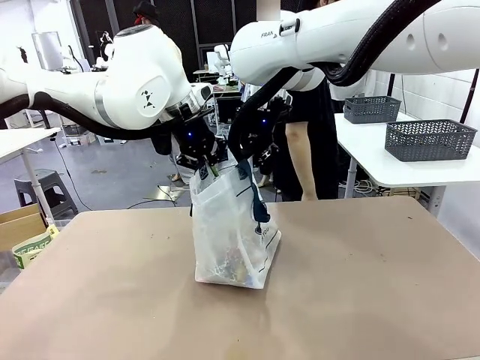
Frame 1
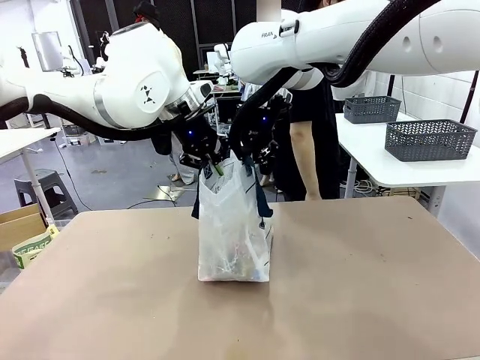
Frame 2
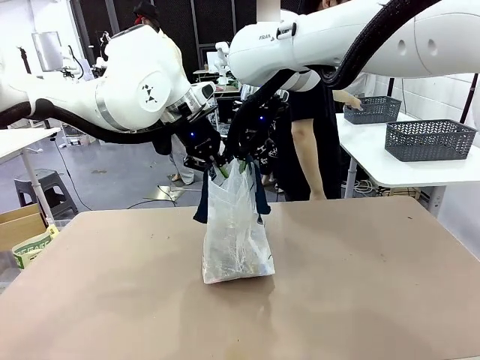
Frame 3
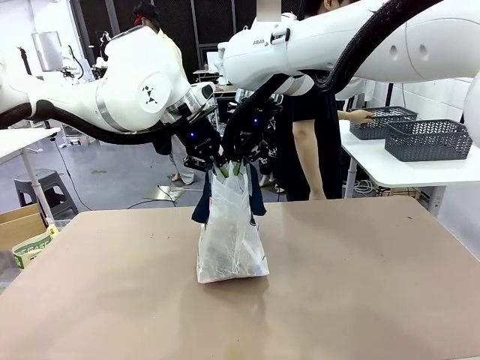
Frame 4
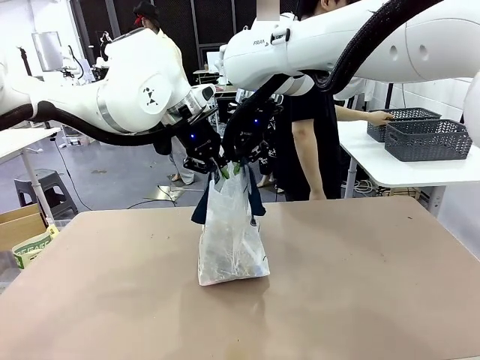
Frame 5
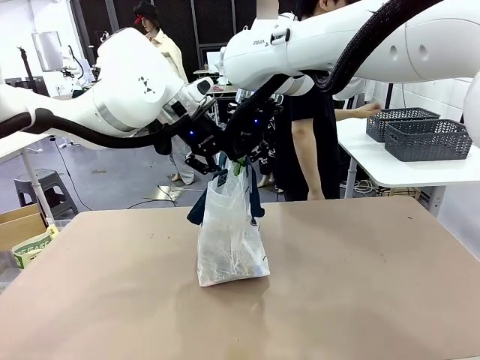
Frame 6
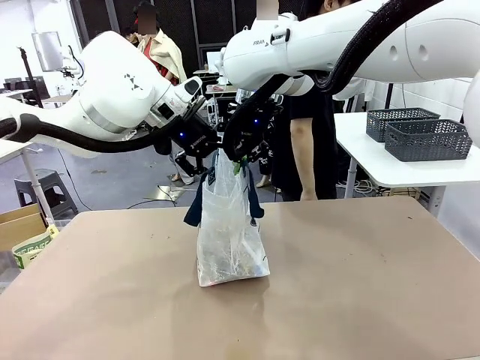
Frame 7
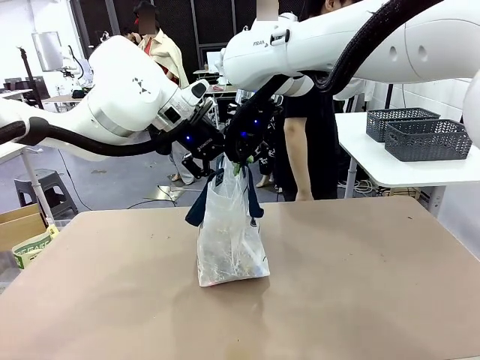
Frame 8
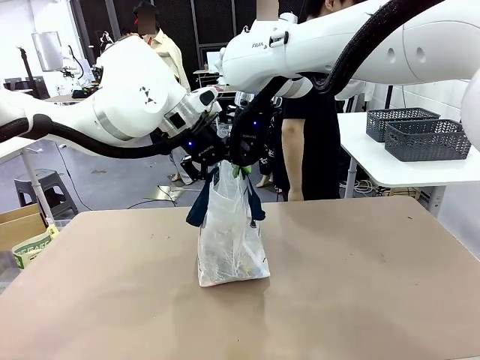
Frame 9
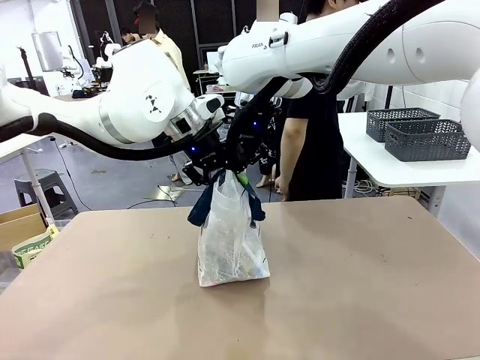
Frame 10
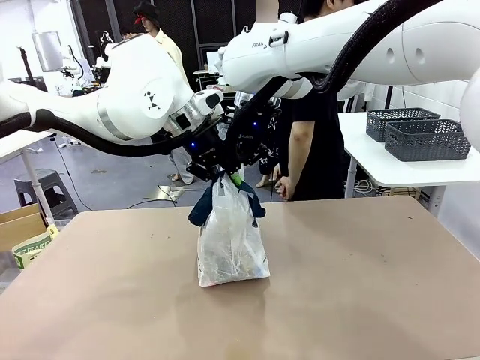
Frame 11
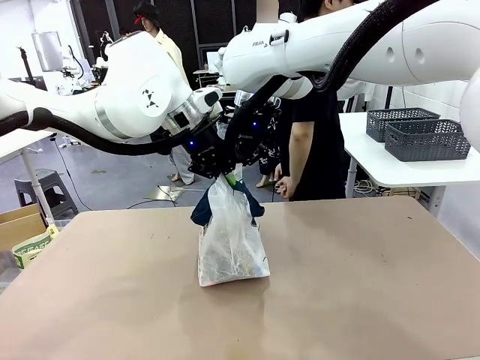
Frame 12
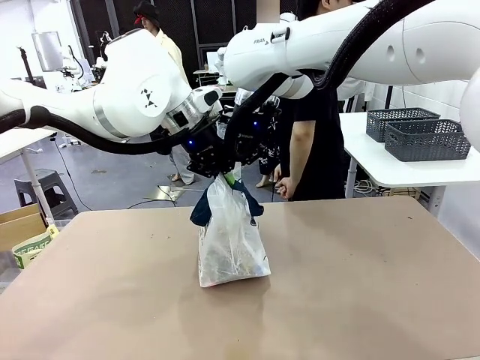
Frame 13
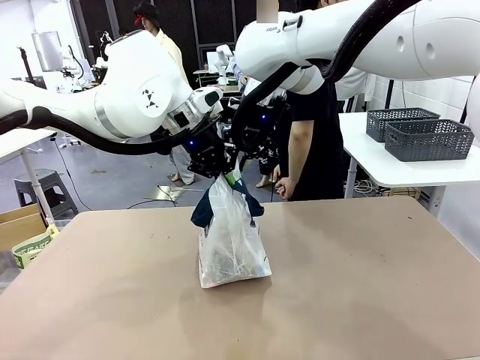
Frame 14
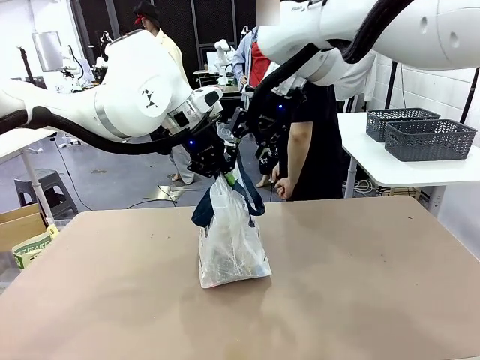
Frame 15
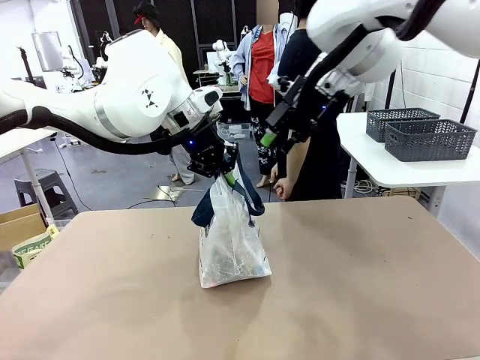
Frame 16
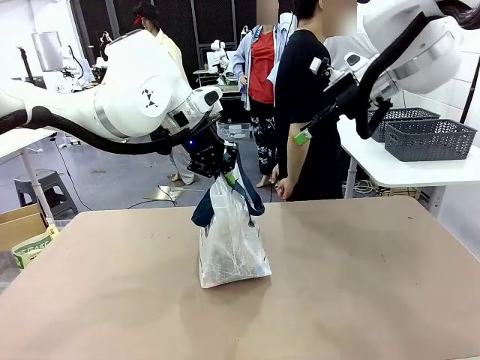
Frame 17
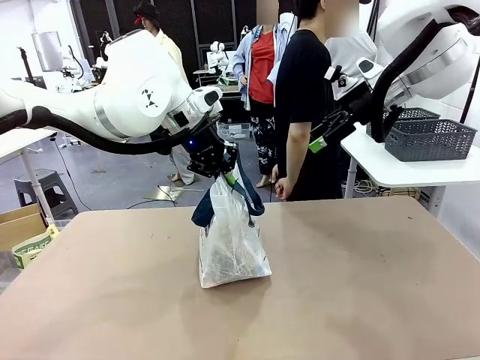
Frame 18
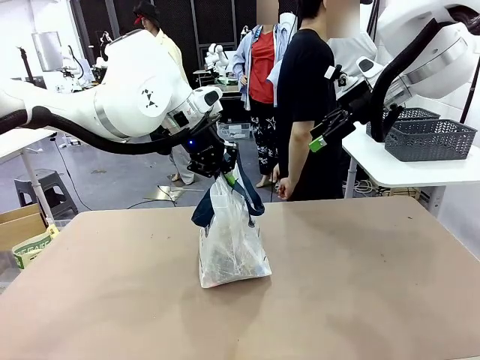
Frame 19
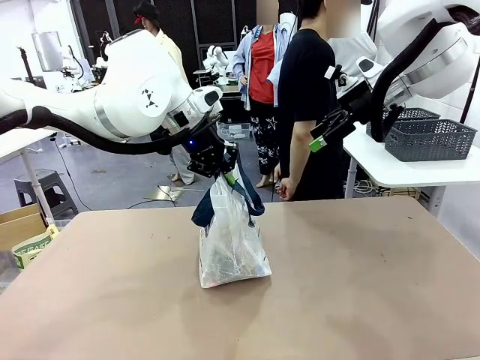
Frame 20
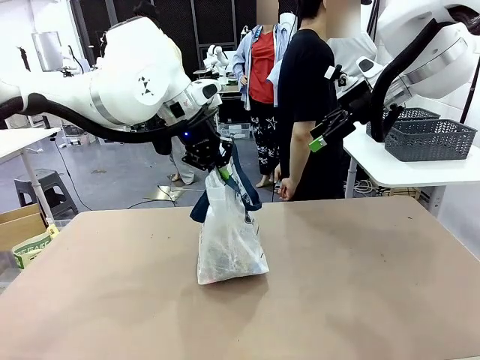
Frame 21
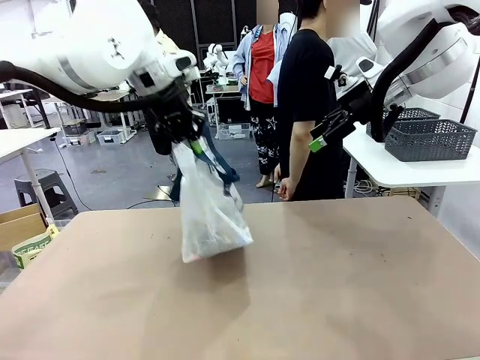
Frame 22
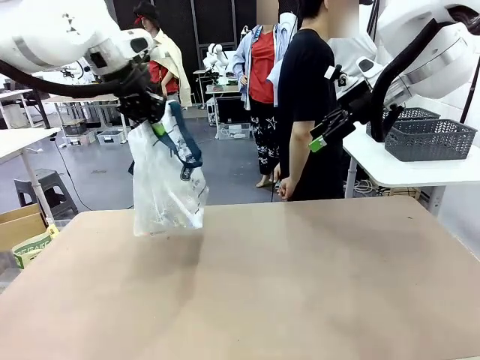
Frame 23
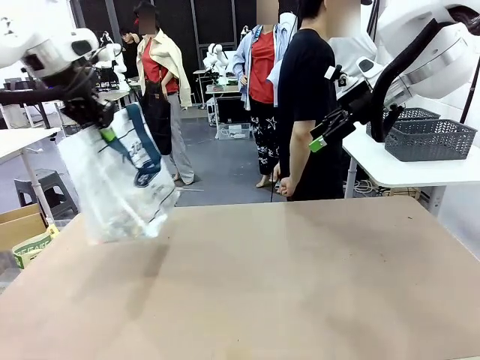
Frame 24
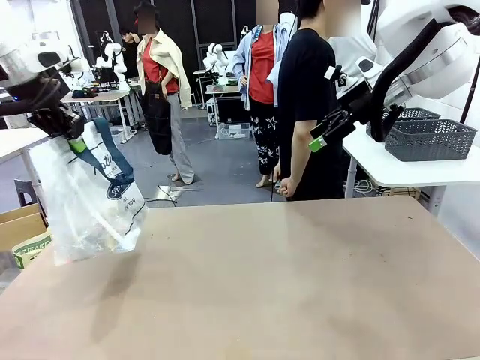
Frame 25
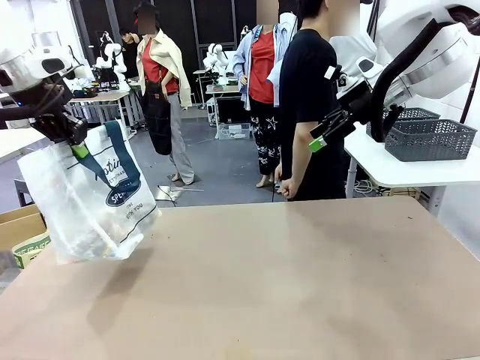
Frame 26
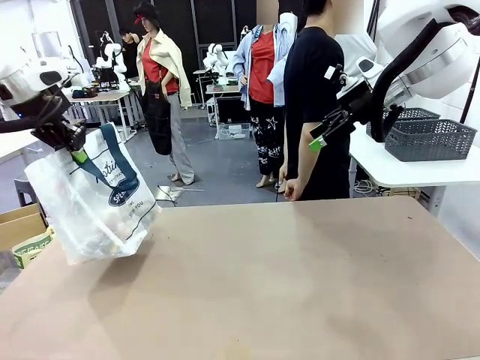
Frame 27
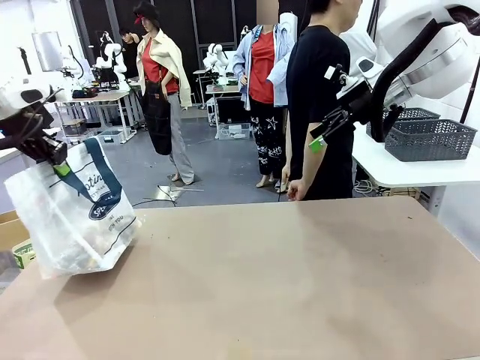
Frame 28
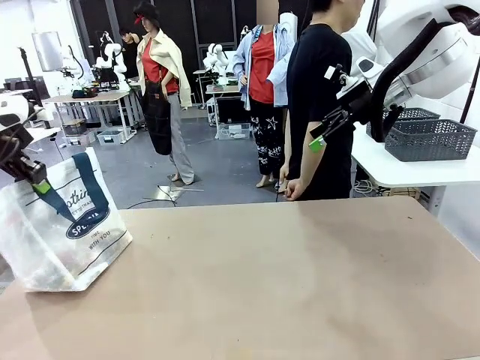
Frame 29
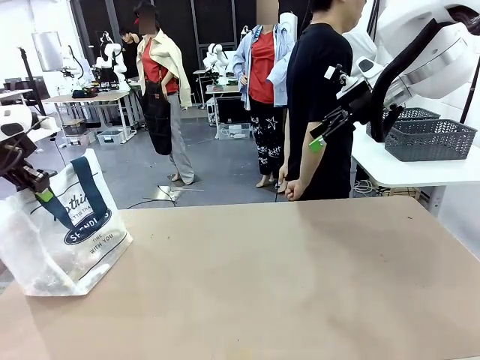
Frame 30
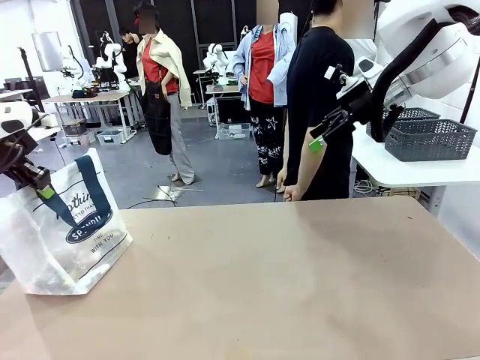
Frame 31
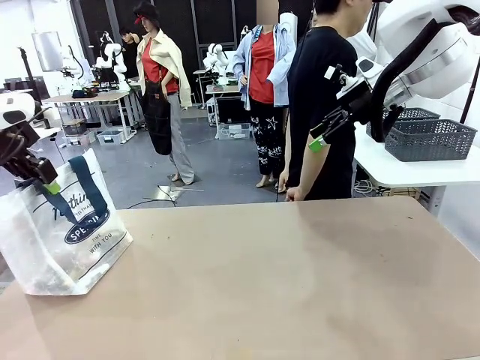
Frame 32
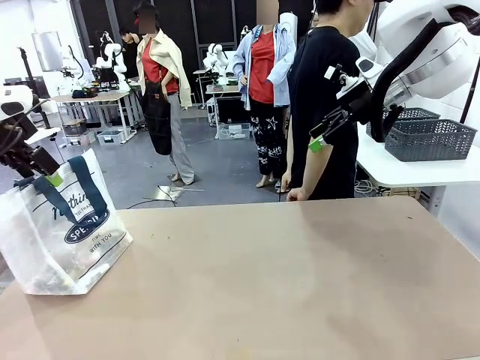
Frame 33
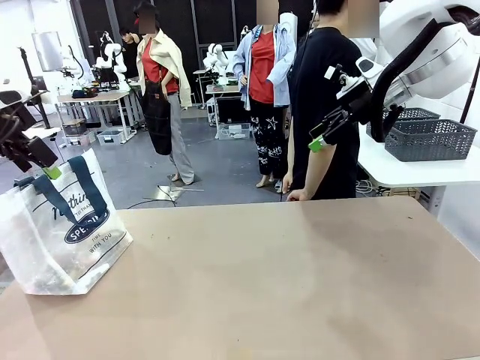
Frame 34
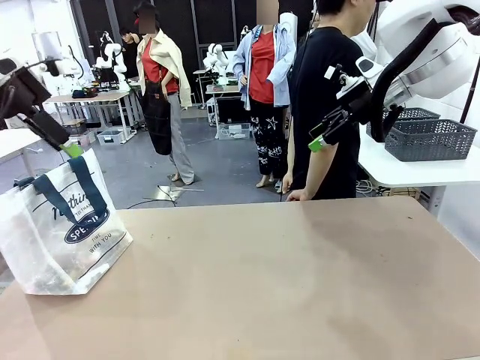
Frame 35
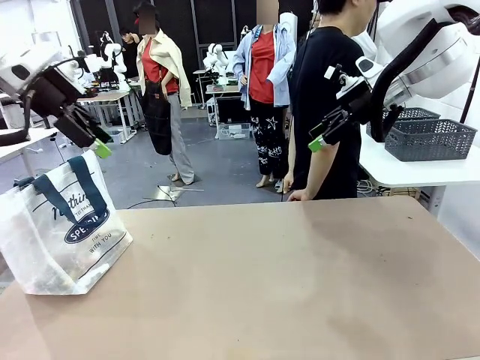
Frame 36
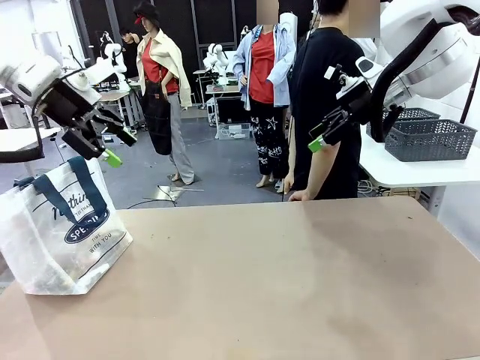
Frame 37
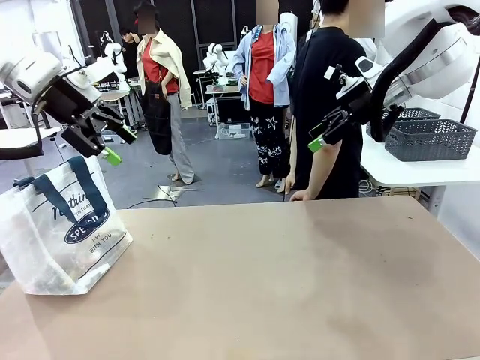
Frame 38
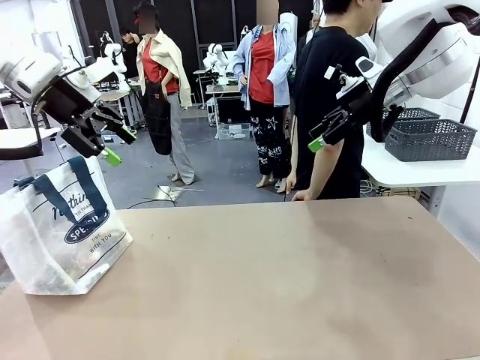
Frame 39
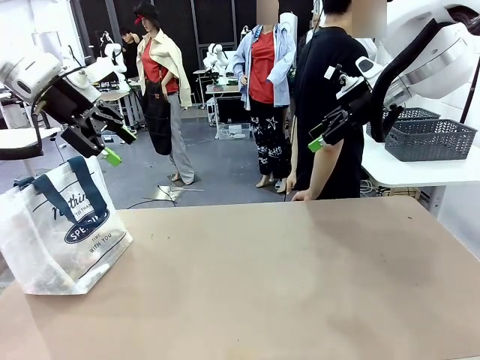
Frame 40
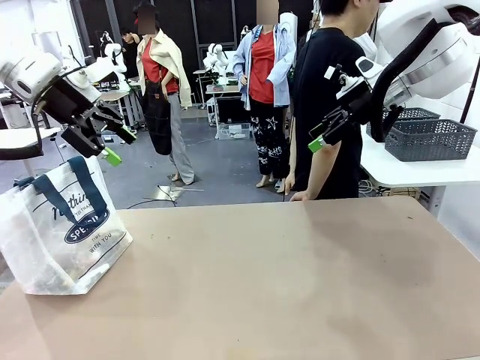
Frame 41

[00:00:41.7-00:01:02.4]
Task: Transfer purchased items from the store into the shopping bag.
Robot: Move the Reusable shopping bag to the right side of the table.
Person: Move the basket on the left to the middle of the person's table.

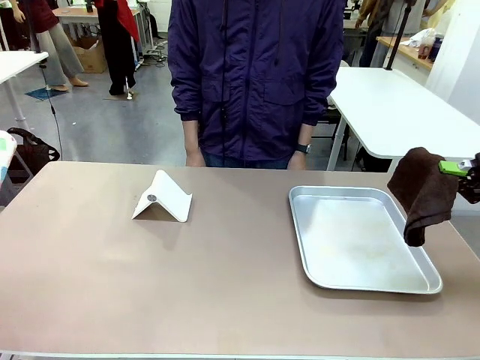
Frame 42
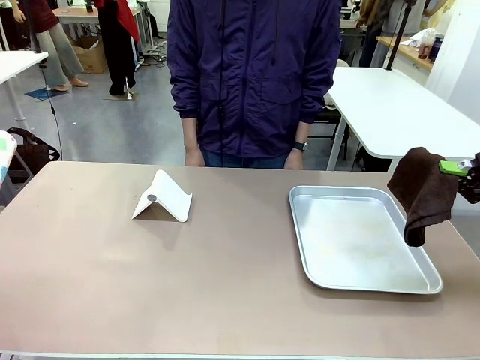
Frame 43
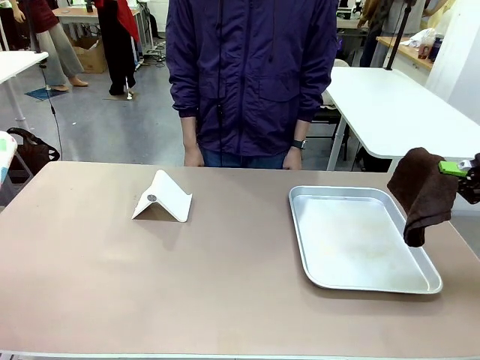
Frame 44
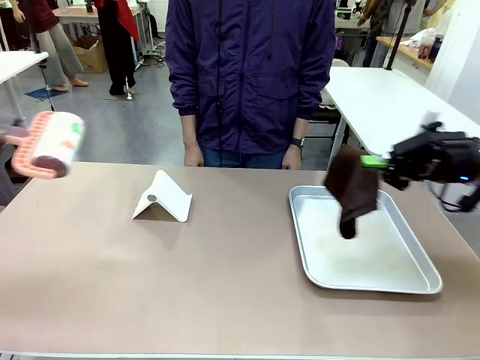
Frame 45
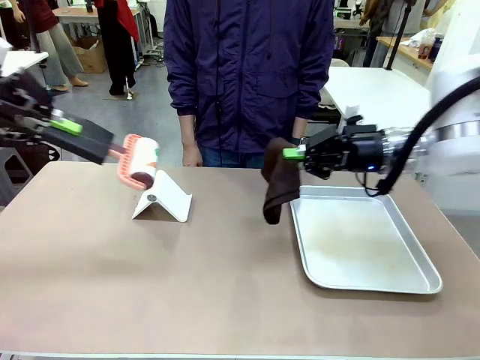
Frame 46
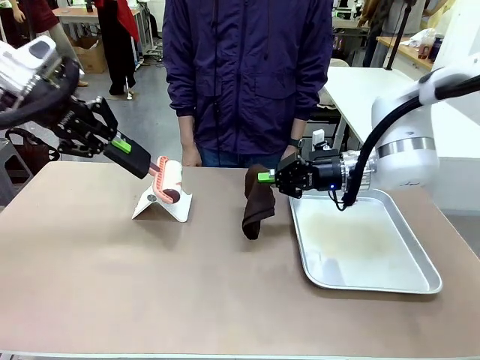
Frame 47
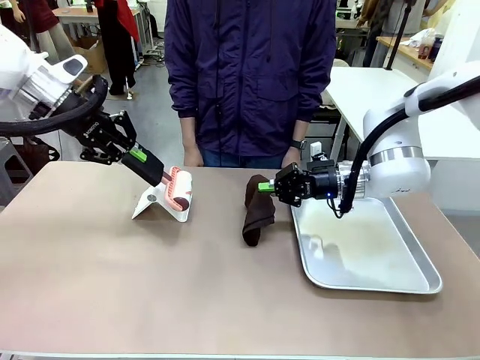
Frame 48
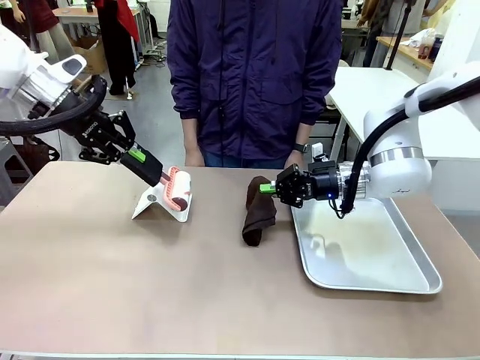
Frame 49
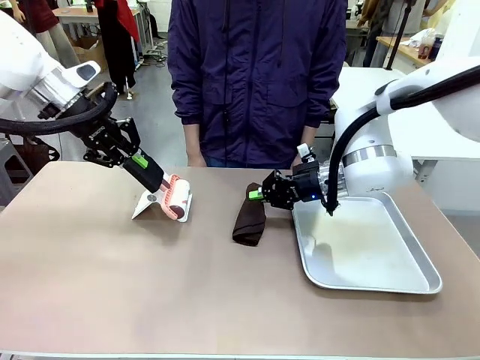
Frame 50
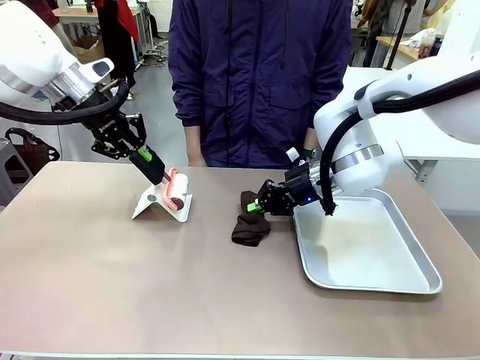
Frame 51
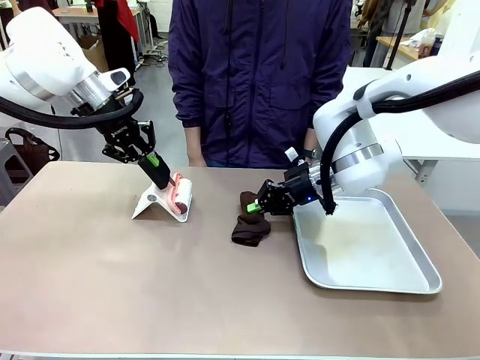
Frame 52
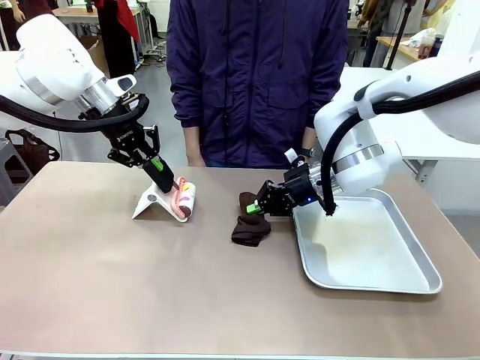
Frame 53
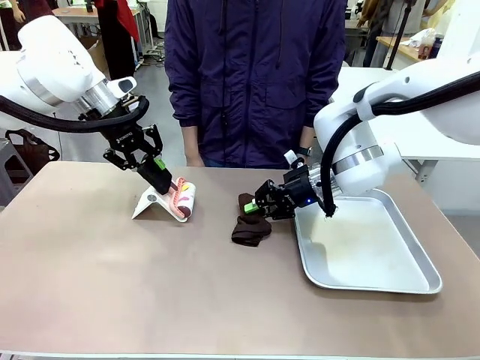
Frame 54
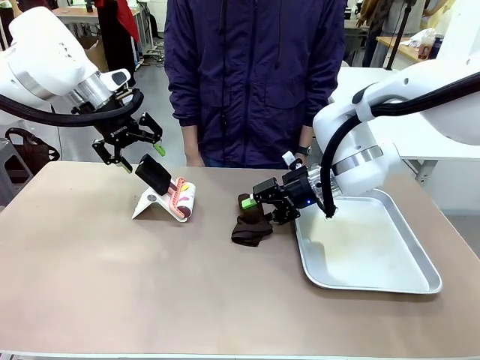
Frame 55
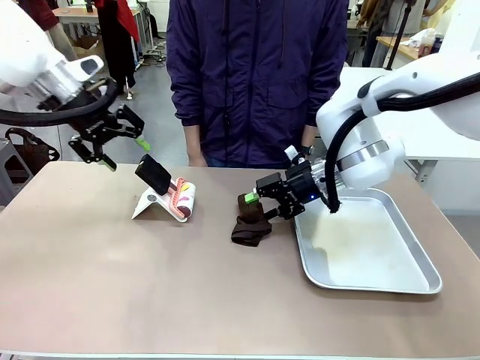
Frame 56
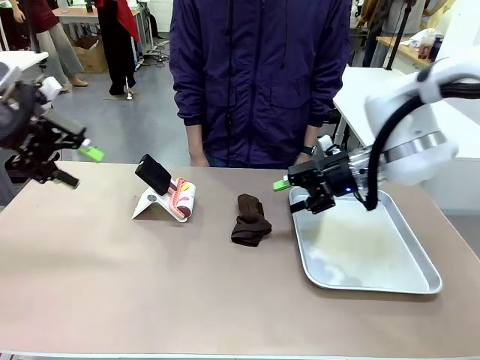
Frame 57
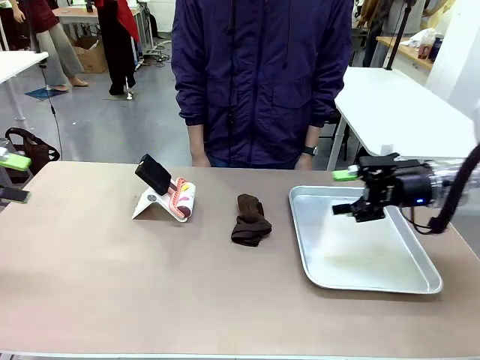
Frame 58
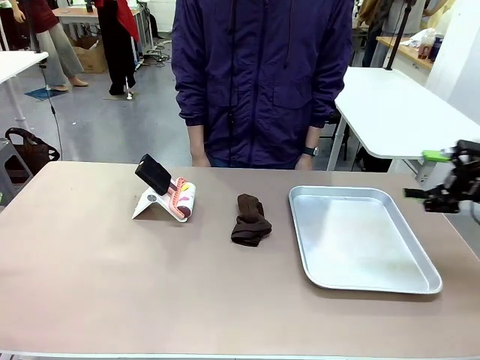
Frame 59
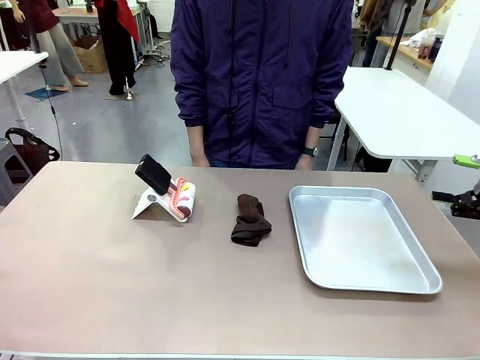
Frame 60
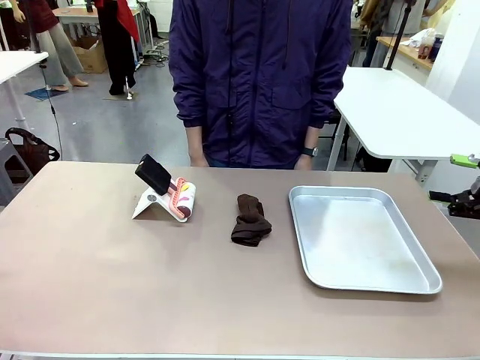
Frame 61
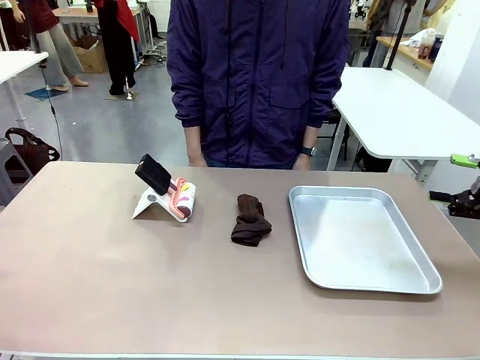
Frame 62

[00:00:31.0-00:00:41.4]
Task: Clean the surface of the table.
Robot: Return the Lint Roller and towel to their original positions.
